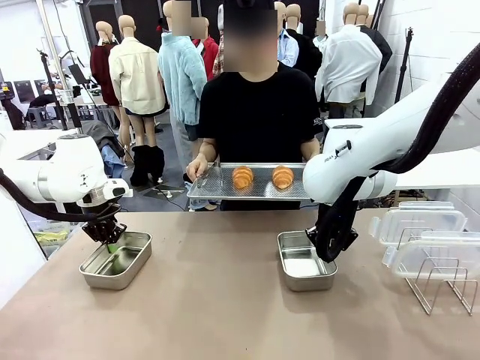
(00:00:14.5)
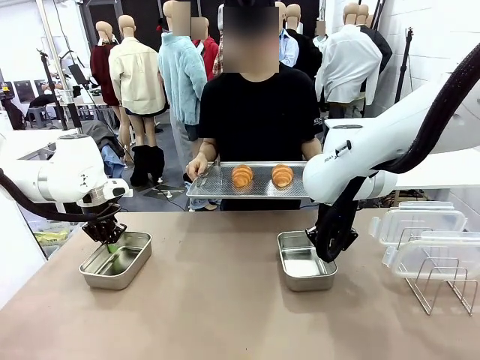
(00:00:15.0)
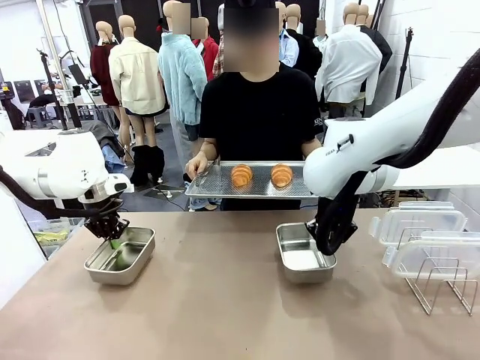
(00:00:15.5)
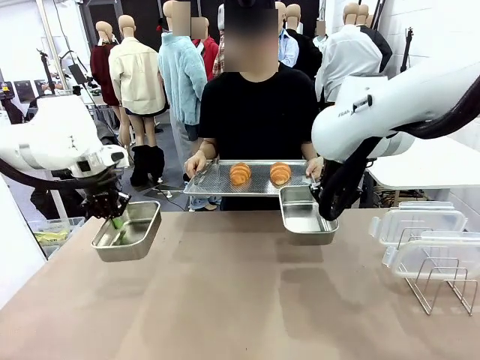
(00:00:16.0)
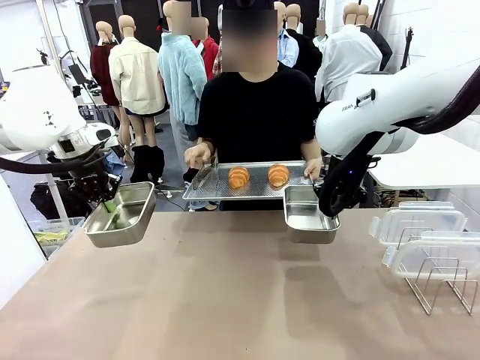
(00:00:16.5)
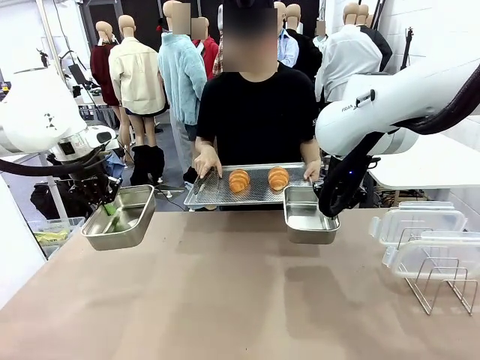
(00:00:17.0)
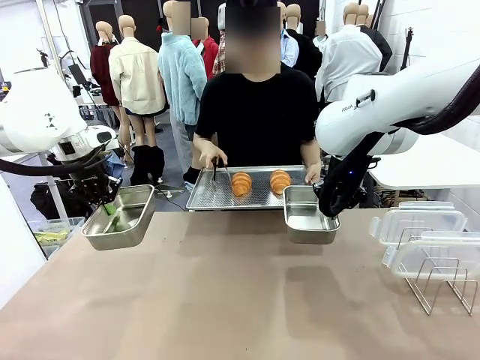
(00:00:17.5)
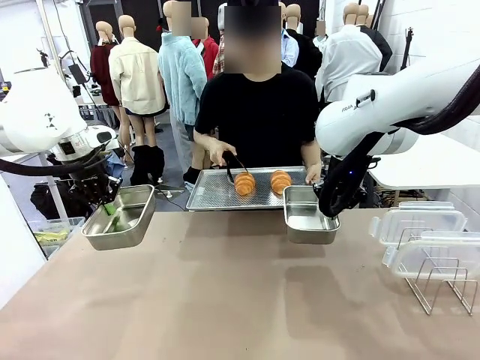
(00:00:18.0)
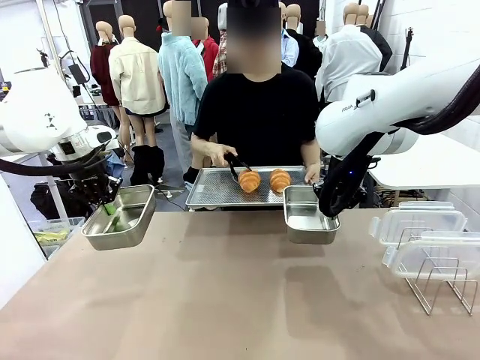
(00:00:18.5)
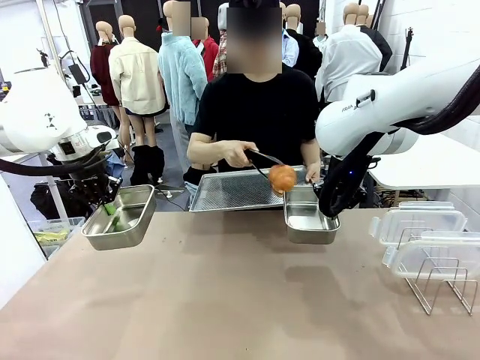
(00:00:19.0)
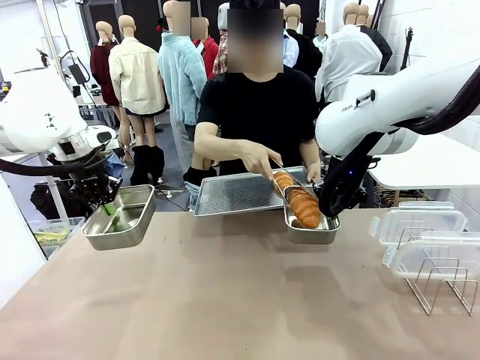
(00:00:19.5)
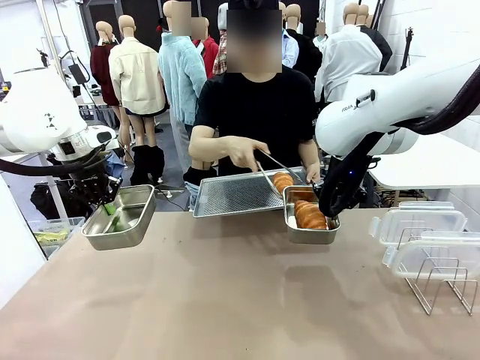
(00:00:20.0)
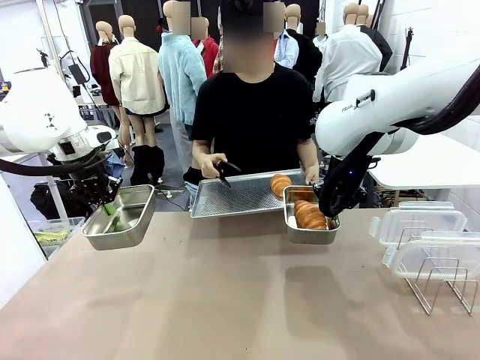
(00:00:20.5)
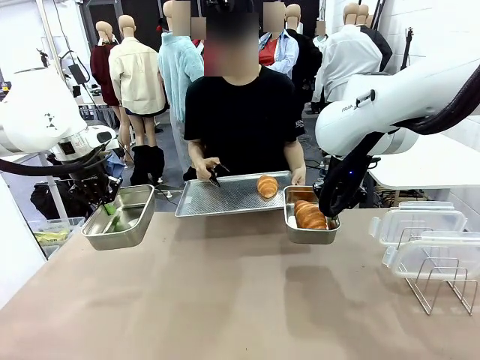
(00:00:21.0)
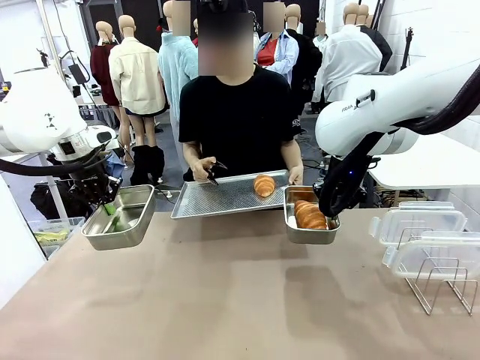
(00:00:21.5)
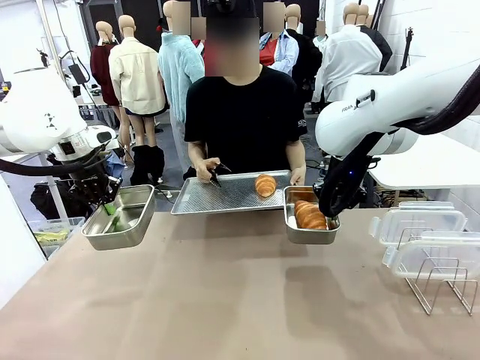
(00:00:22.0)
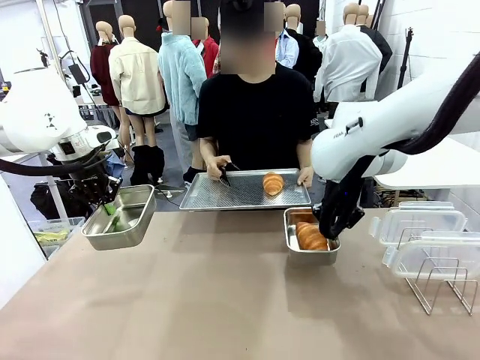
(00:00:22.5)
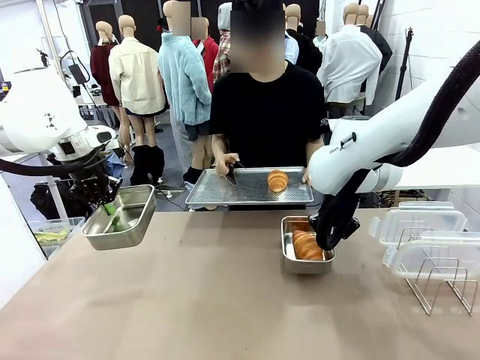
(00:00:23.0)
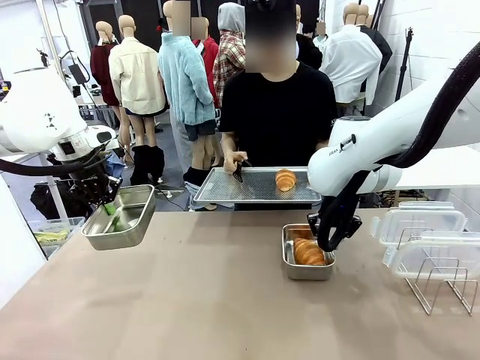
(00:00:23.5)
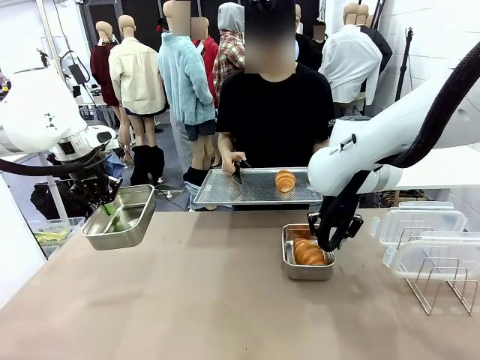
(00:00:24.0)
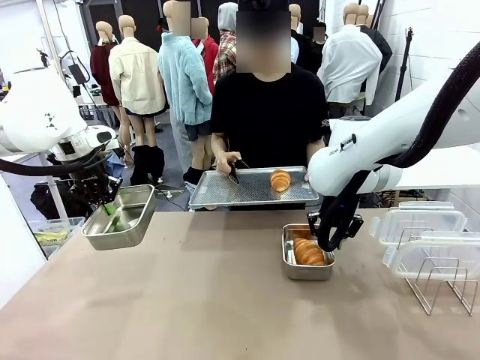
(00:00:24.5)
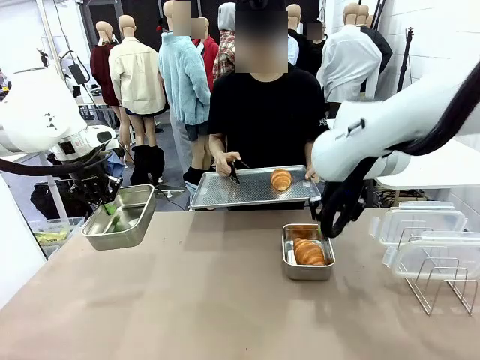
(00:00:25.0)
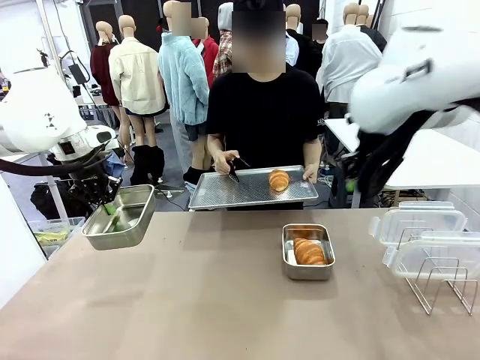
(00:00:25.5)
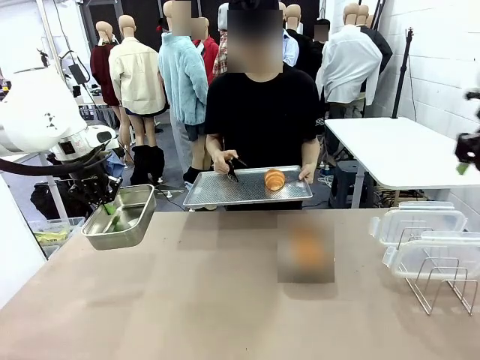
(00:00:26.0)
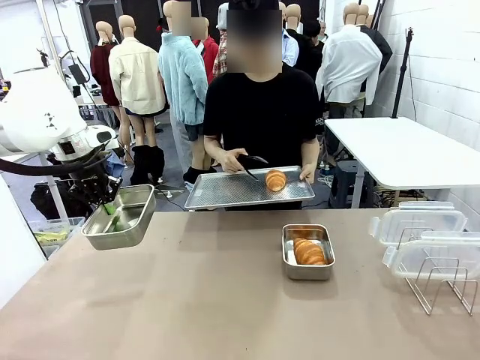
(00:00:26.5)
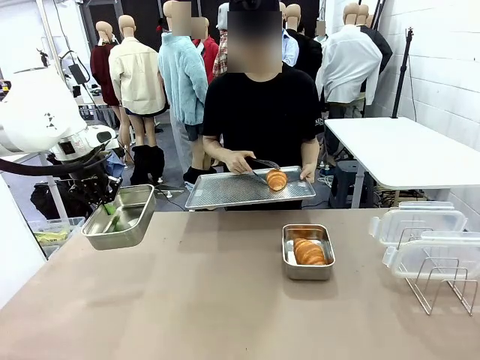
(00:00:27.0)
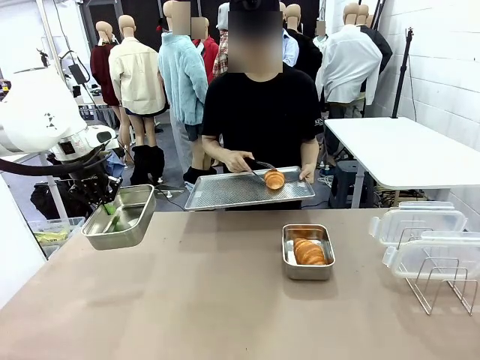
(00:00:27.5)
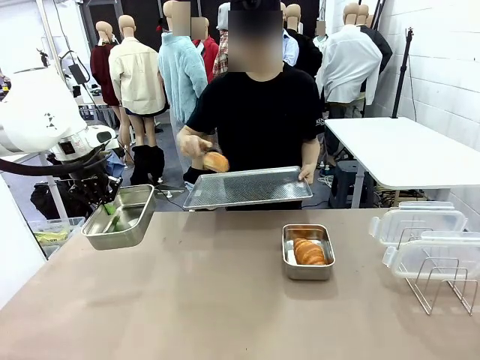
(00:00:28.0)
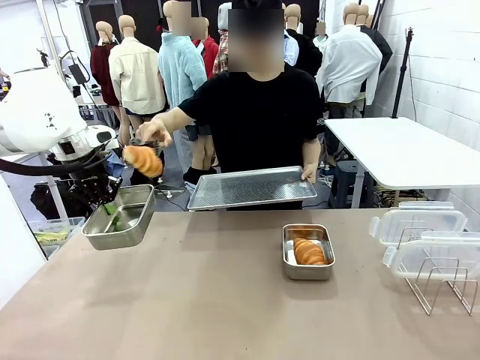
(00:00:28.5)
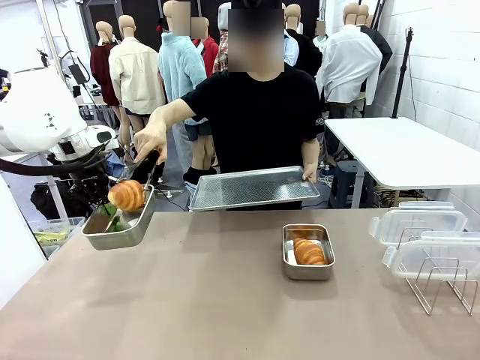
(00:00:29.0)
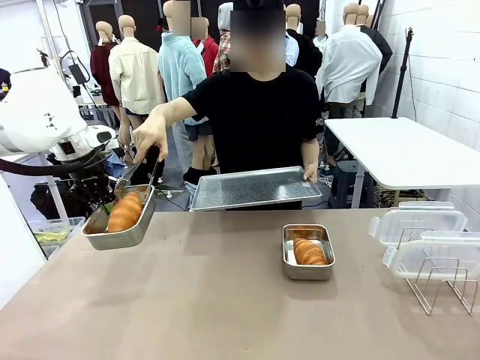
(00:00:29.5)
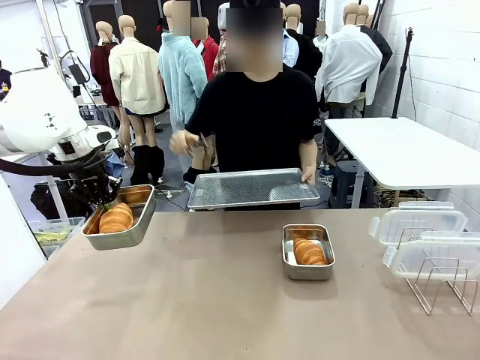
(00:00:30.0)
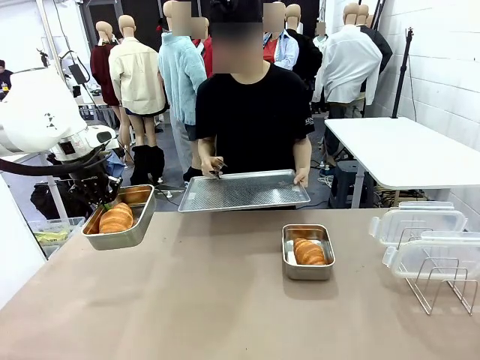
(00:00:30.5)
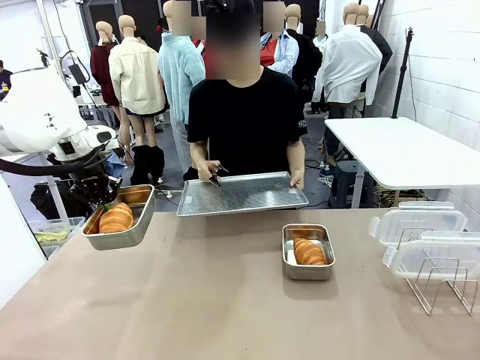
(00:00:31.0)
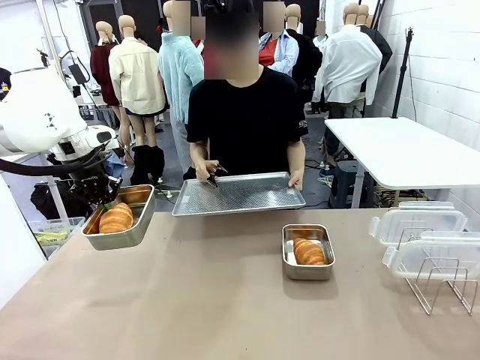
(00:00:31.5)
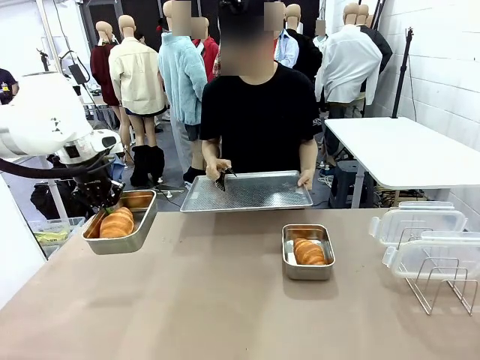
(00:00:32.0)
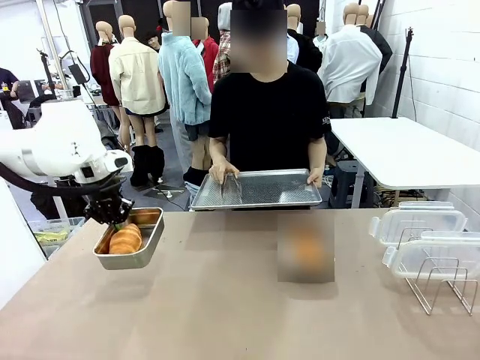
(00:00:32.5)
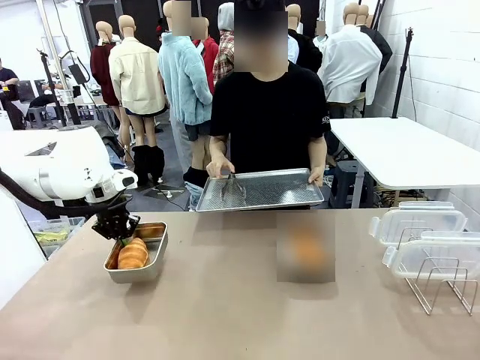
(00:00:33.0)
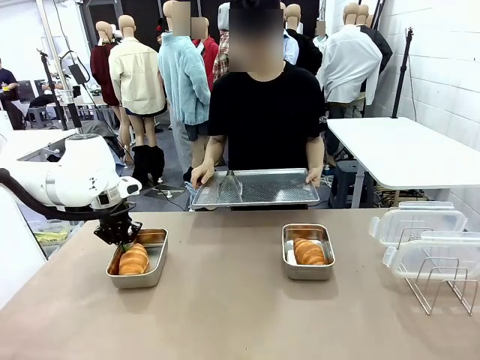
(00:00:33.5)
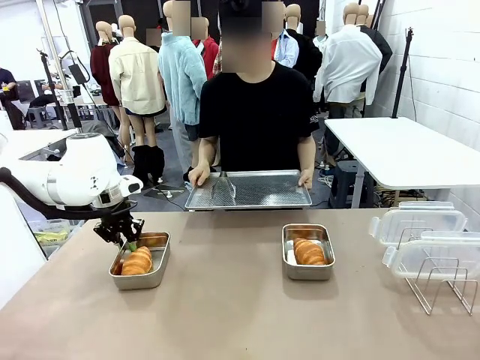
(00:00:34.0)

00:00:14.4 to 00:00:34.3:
Task: Place the bread in airtight containers.
Robot: Once an object is inside an Airtight Container , place the container in the center of the table.
Person: Use the Stainless steel tongs to place one object from Baking Sheet into one Airtight Container.

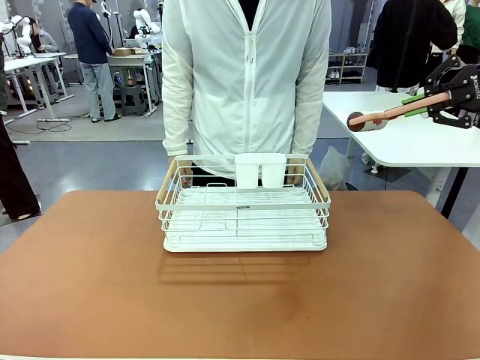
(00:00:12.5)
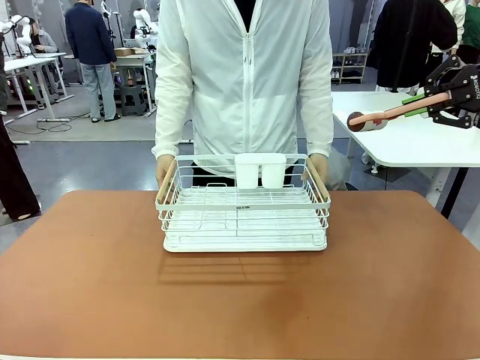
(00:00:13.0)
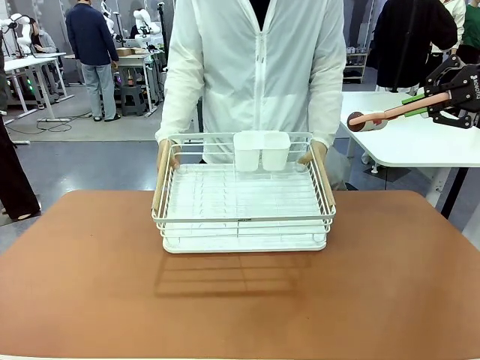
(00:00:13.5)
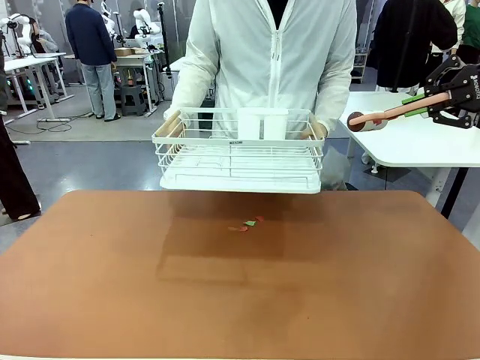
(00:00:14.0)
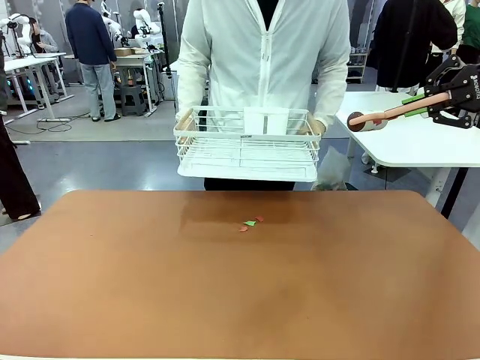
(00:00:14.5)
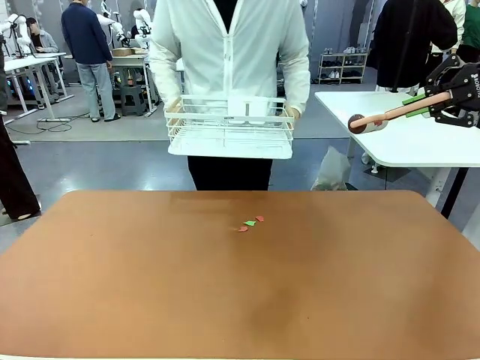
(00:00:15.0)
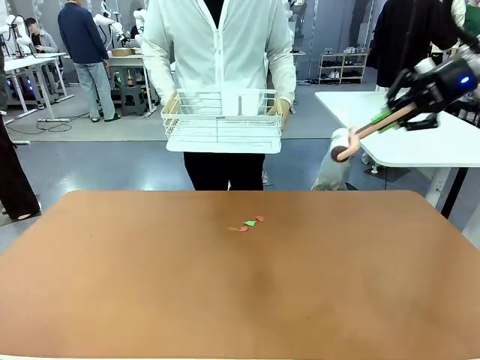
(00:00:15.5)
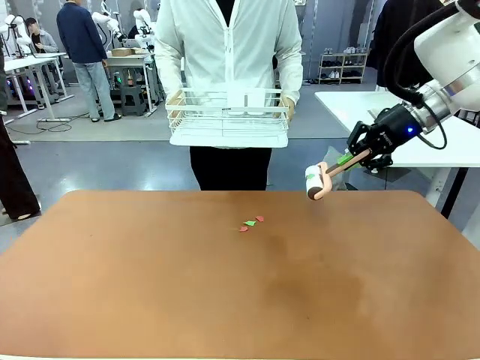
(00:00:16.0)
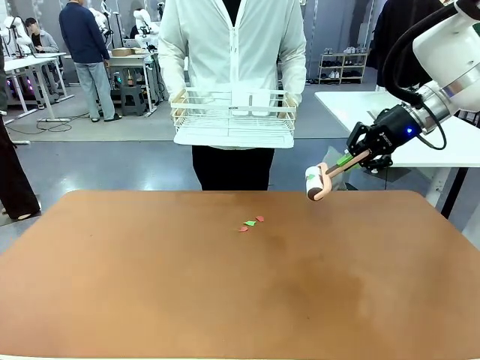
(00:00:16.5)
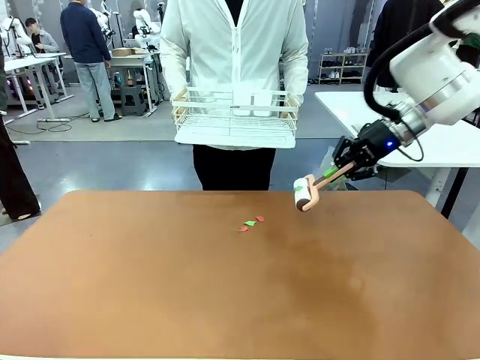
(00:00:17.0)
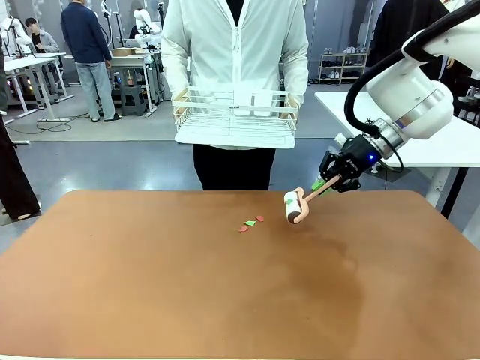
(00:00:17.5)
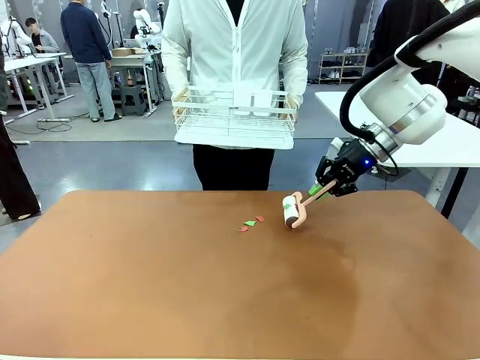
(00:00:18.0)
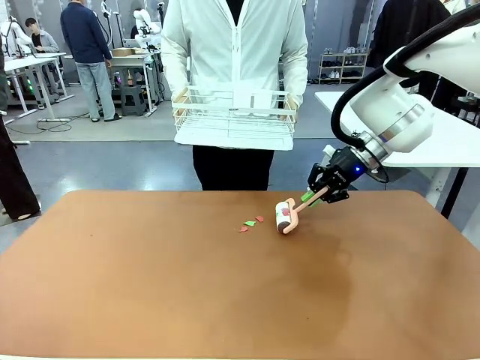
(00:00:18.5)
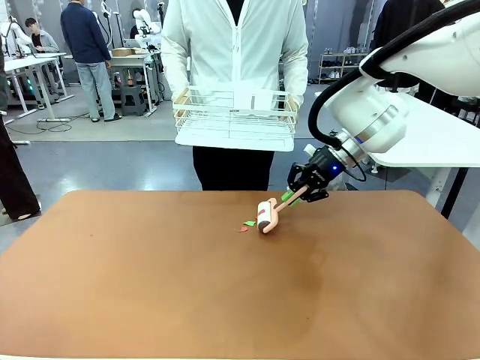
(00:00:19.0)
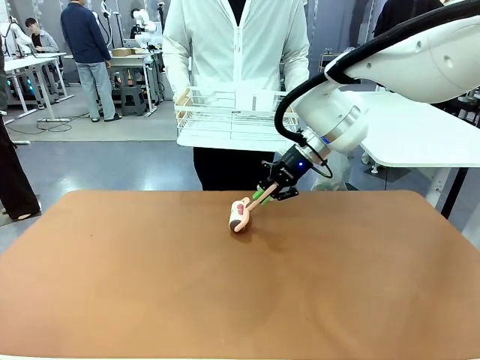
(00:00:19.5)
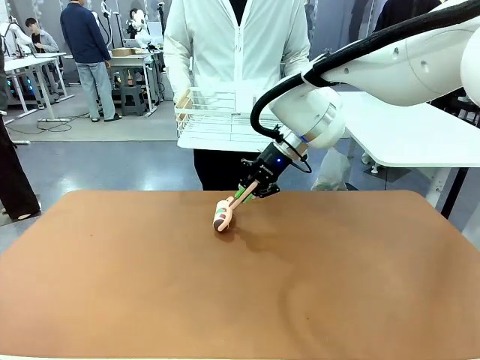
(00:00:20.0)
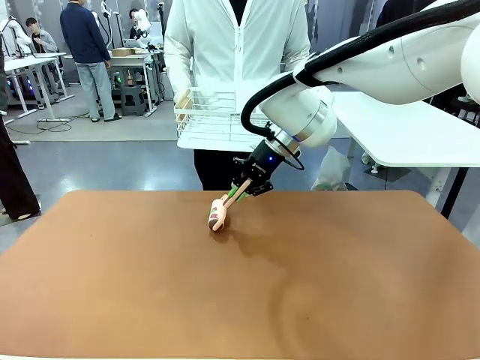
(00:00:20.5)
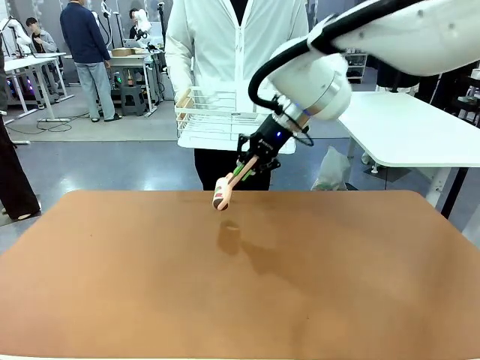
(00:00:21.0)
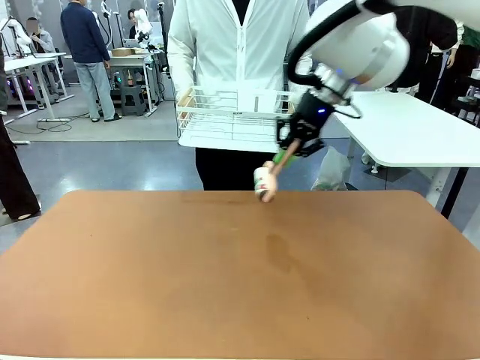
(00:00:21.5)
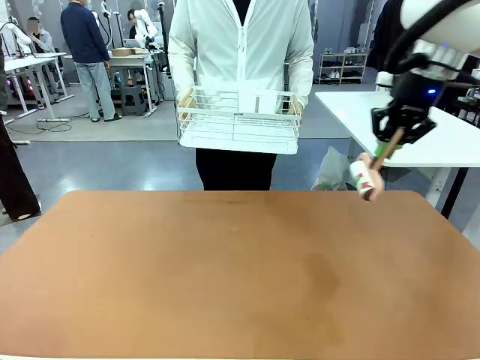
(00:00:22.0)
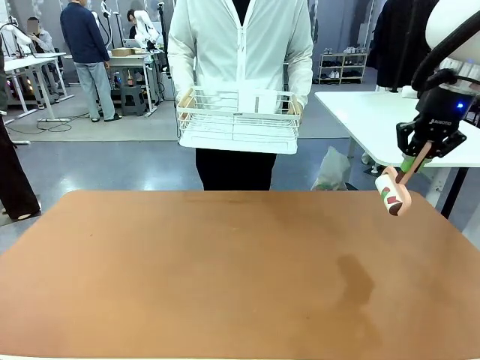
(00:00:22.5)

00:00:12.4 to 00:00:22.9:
Task: Clean the table.
Robot: Clean the table with the Lint Roller when the human lifts the Dish drying rack.
